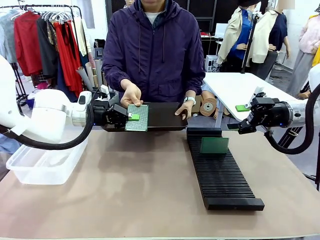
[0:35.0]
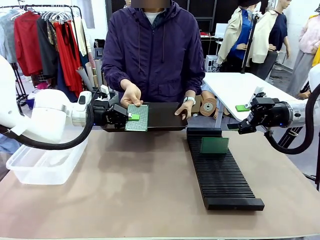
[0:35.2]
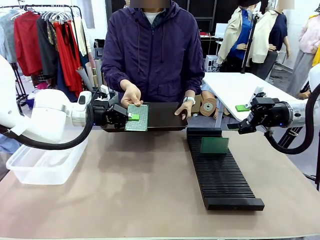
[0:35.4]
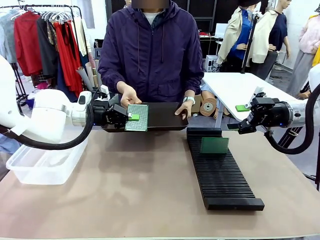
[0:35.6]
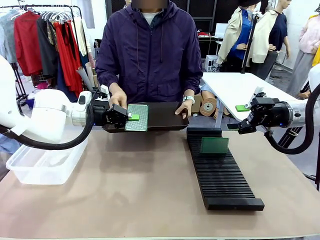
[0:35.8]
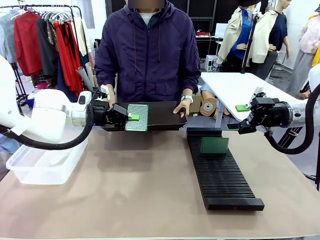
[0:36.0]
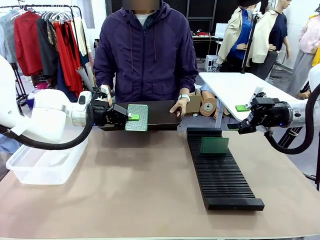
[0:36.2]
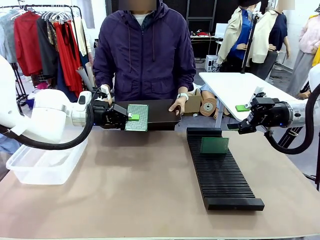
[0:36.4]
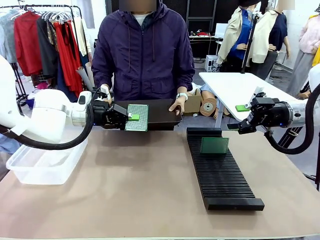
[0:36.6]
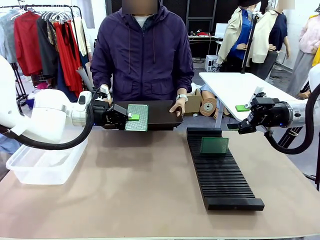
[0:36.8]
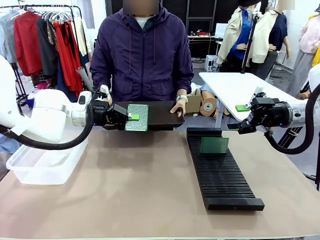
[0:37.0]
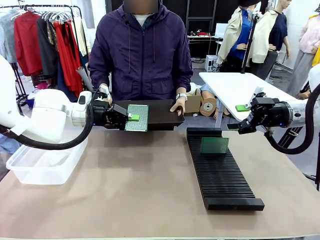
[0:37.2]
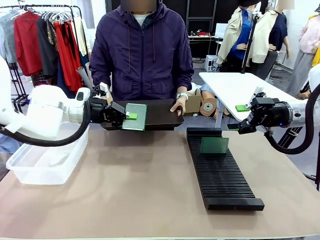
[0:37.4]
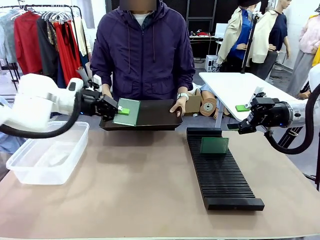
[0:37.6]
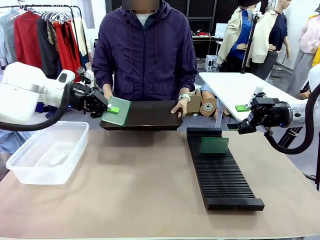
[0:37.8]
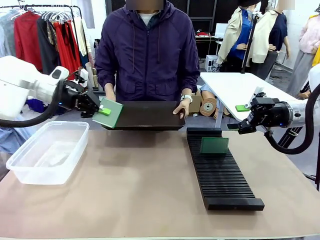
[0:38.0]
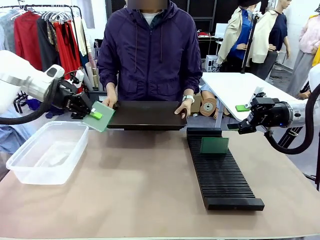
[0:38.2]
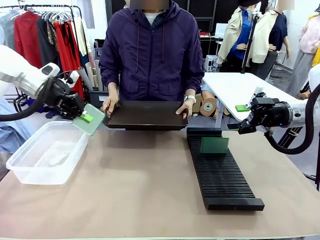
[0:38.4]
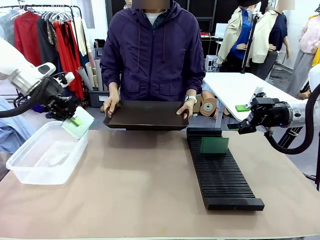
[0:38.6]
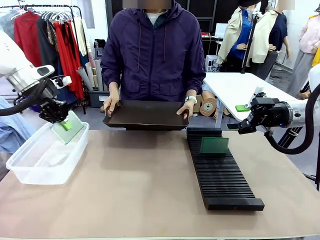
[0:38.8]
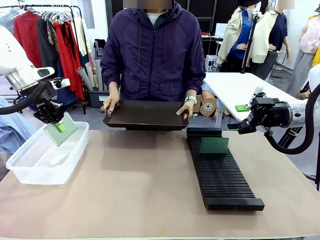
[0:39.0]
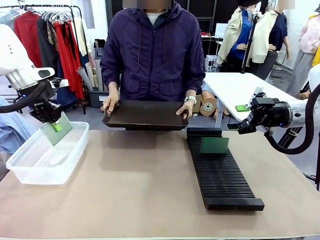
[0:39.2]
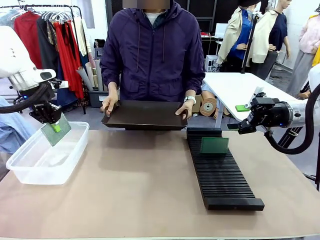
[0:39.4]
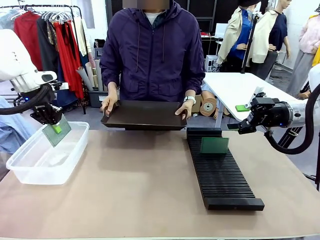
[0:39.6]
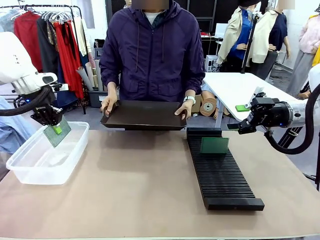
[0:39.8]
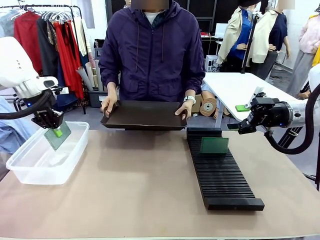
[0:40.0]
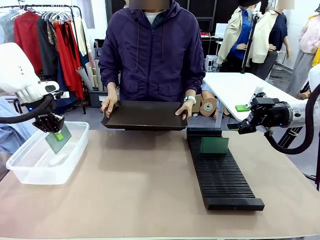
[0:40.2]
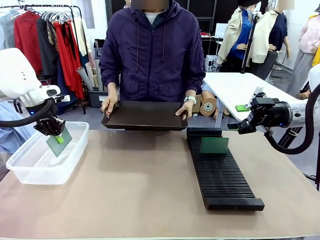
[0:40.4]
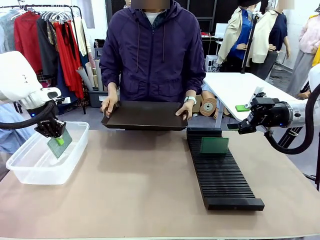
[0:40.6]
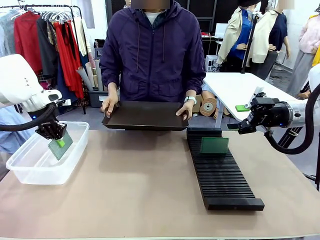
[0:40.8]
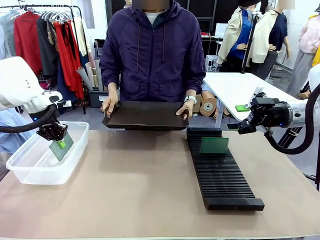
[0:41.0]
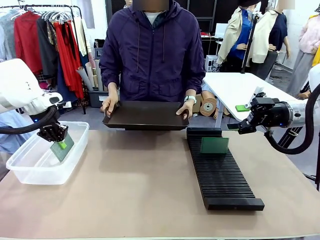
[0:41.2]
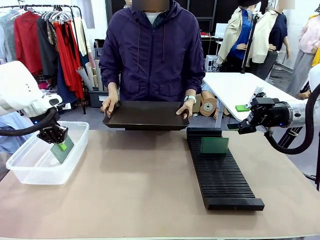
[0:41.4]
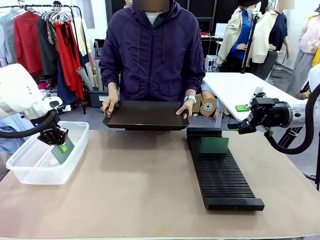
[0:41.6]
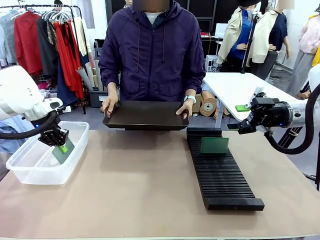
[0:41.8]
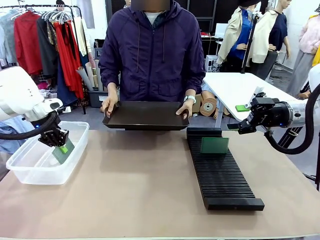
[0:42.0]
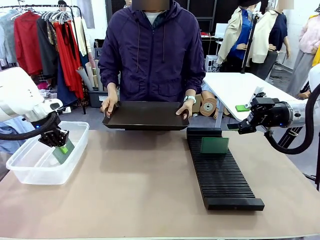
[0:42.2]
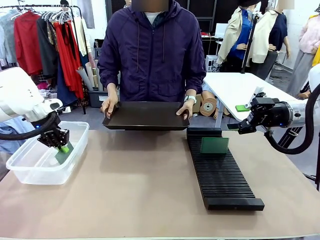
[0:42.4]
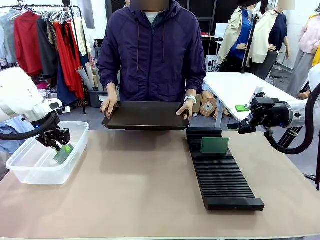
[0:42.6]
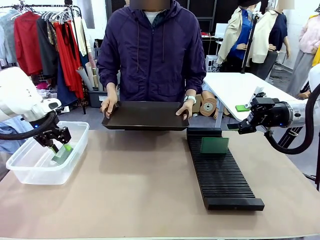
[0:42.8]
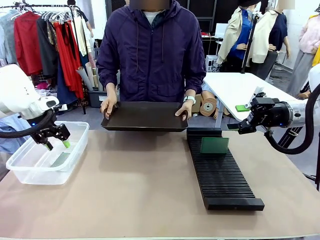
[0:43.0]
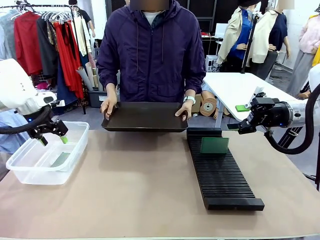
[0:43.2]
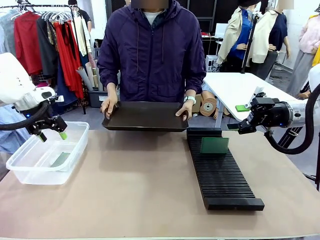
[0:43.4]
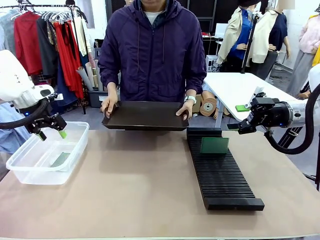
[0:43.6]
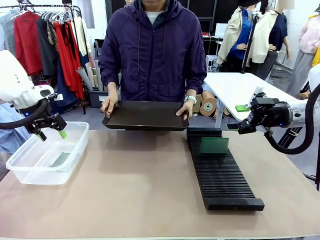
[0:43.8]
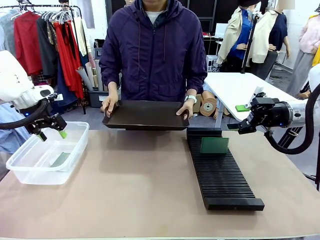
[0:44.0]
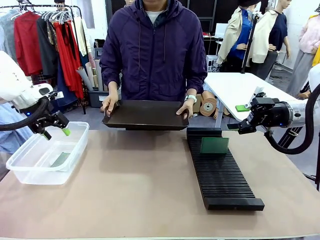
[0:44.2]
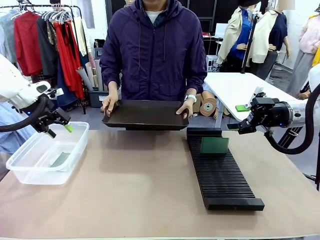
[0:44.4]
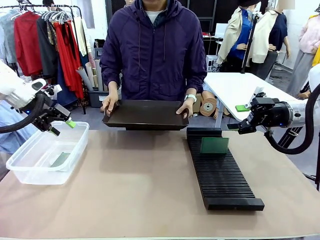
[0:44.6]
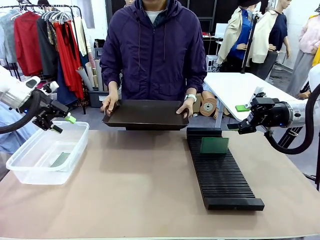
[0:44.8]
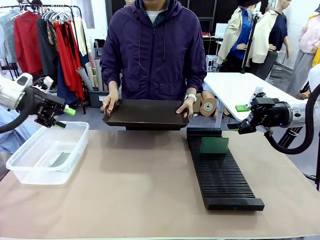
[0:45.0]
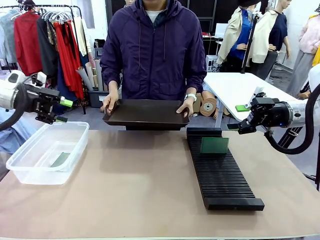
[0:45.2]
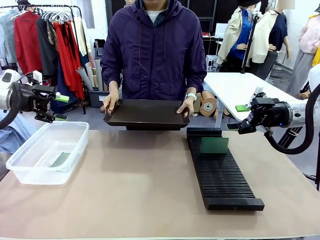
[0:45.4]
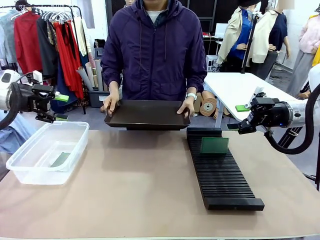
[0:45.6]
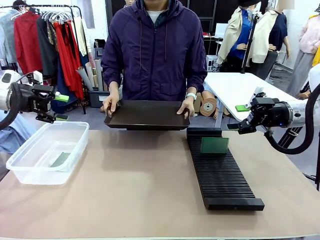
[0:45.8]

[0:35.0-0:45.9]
Task: Sort PCBs into racks and boxes based on the side picked up.
Robot: If the short side of the Blank PCB is picked up, insert it into the PCB Rack ; if the long side is picked up, place it in the Organizing box.
Person: Release the PCB being held.

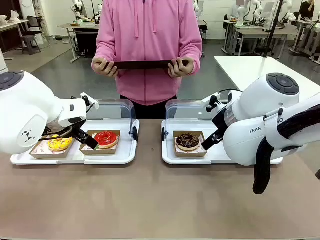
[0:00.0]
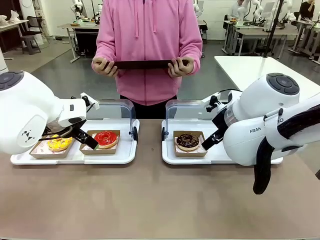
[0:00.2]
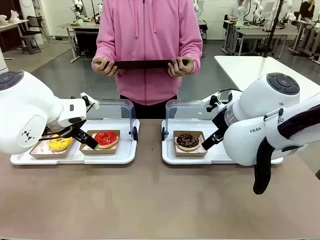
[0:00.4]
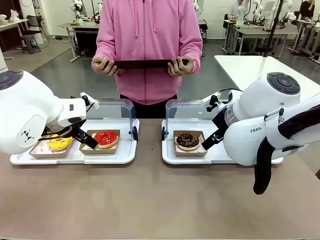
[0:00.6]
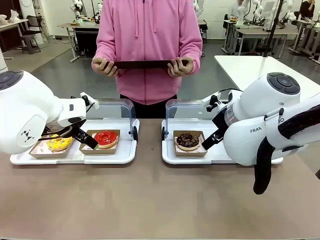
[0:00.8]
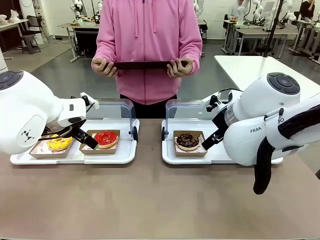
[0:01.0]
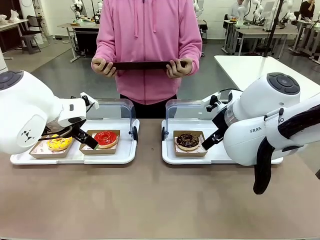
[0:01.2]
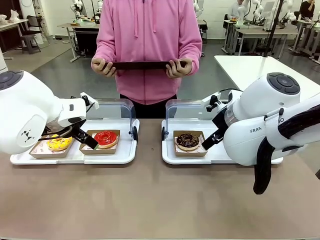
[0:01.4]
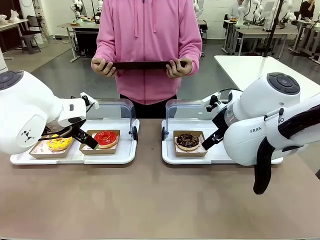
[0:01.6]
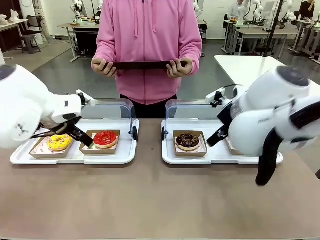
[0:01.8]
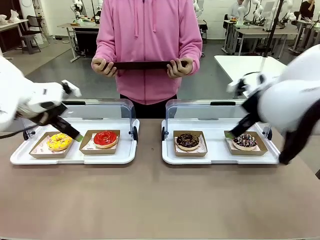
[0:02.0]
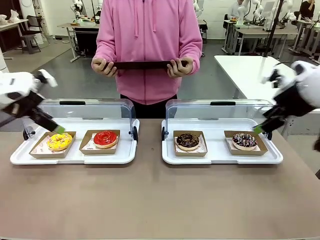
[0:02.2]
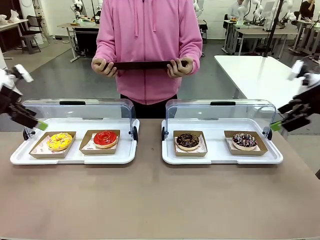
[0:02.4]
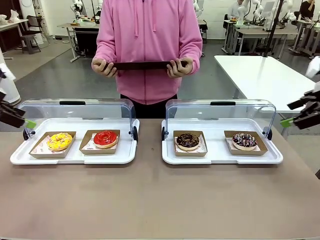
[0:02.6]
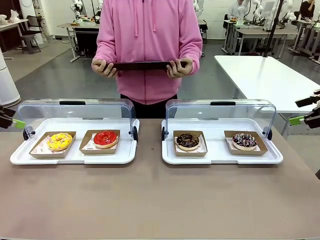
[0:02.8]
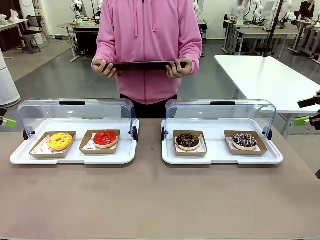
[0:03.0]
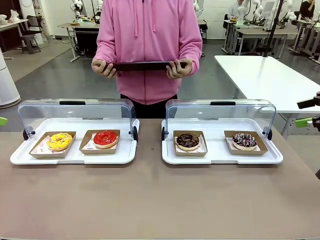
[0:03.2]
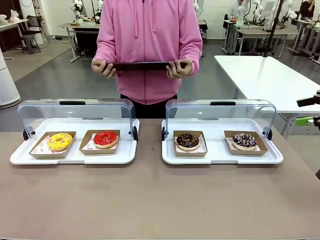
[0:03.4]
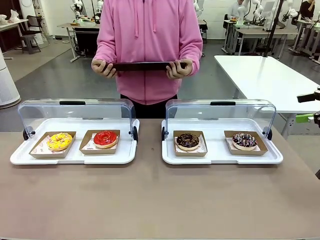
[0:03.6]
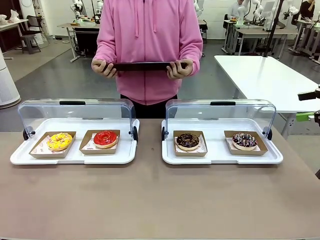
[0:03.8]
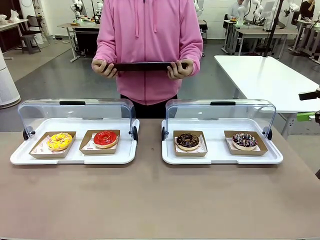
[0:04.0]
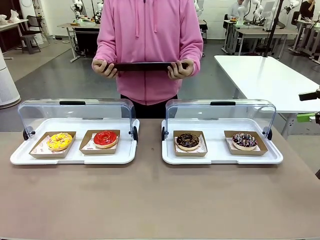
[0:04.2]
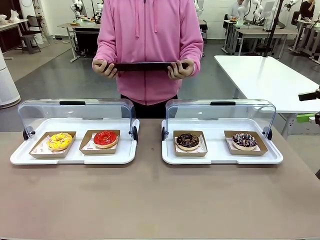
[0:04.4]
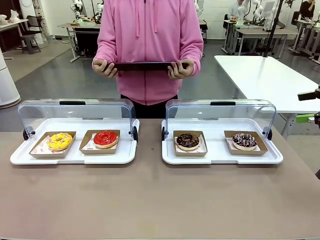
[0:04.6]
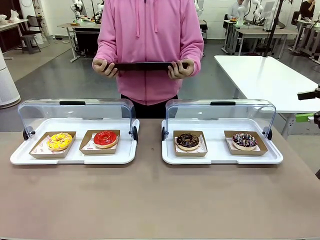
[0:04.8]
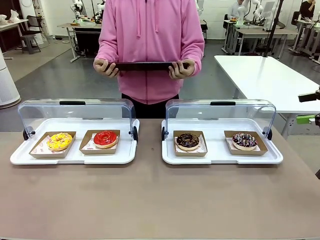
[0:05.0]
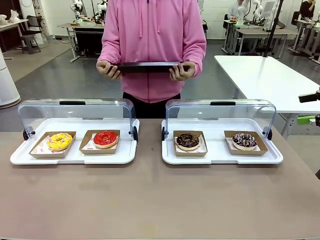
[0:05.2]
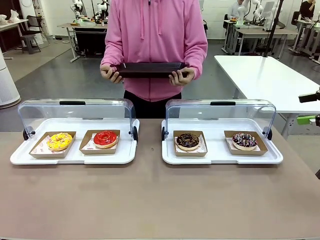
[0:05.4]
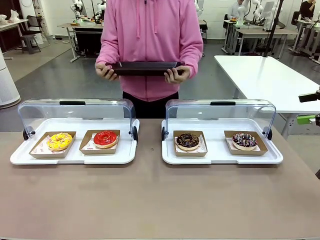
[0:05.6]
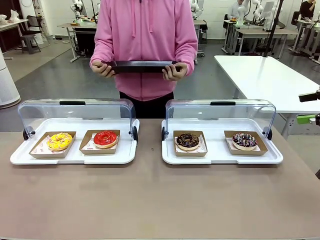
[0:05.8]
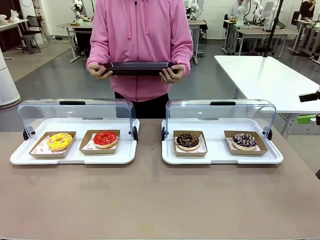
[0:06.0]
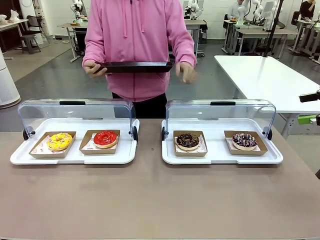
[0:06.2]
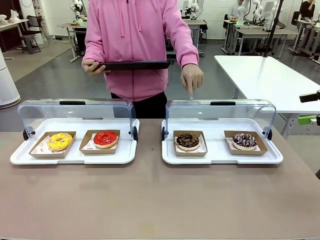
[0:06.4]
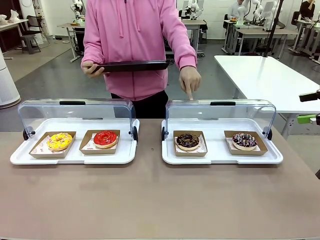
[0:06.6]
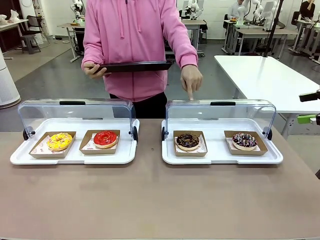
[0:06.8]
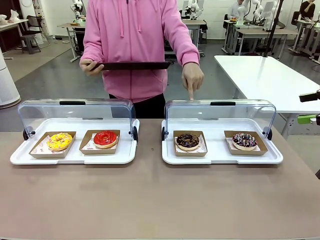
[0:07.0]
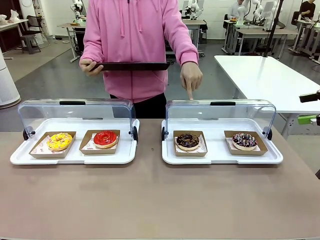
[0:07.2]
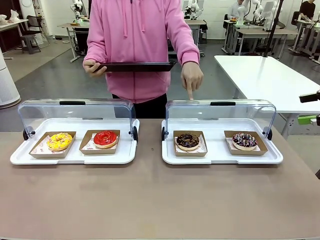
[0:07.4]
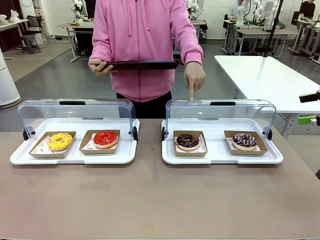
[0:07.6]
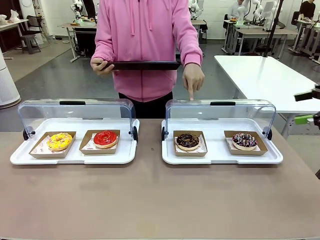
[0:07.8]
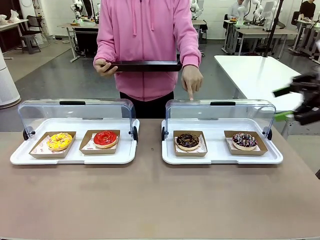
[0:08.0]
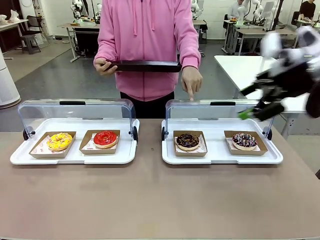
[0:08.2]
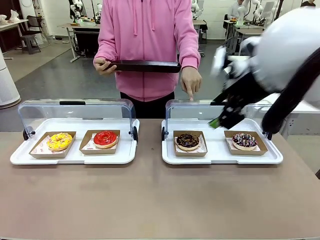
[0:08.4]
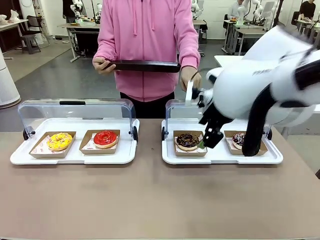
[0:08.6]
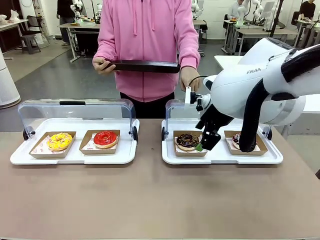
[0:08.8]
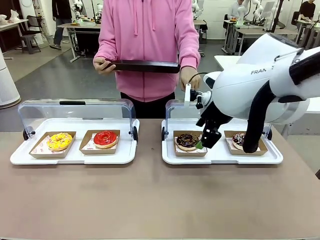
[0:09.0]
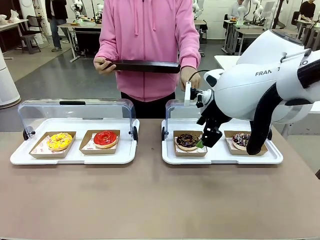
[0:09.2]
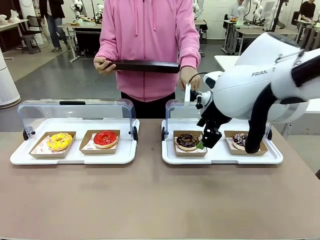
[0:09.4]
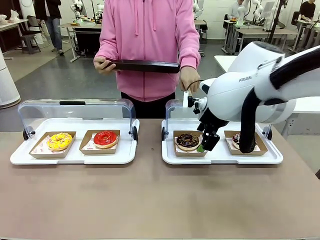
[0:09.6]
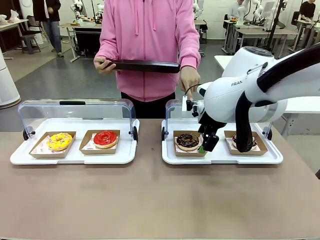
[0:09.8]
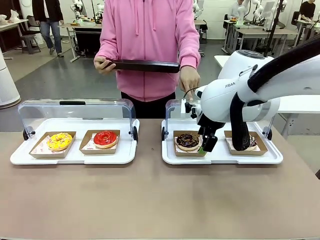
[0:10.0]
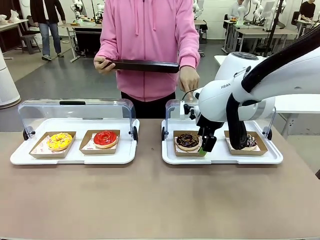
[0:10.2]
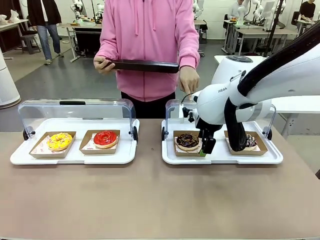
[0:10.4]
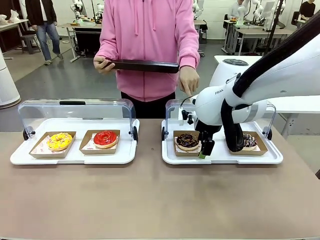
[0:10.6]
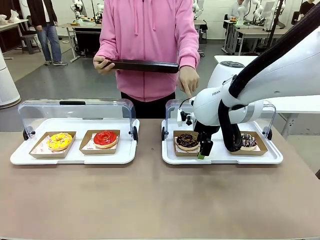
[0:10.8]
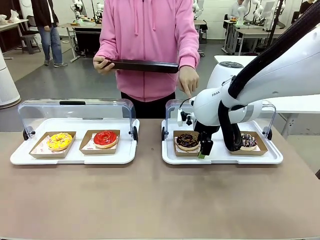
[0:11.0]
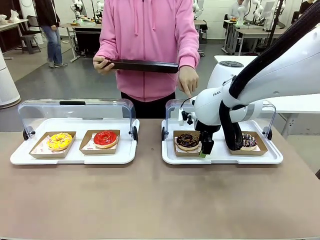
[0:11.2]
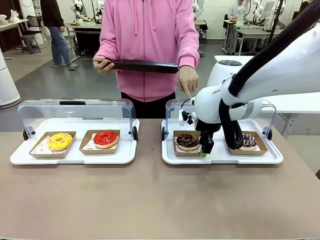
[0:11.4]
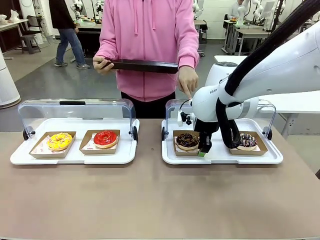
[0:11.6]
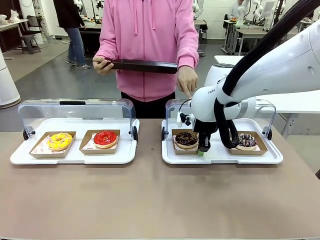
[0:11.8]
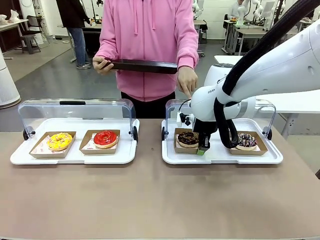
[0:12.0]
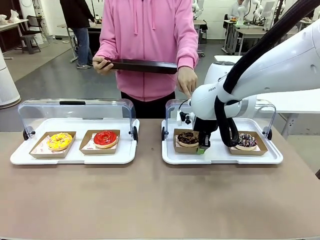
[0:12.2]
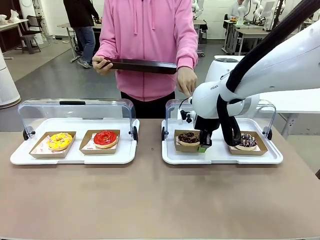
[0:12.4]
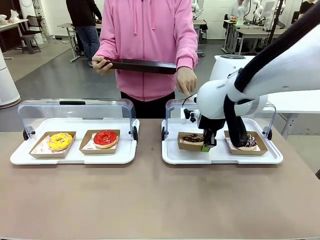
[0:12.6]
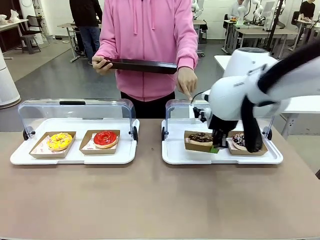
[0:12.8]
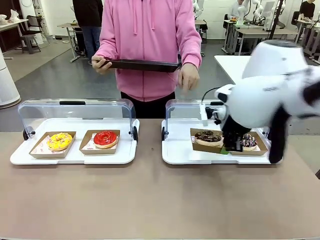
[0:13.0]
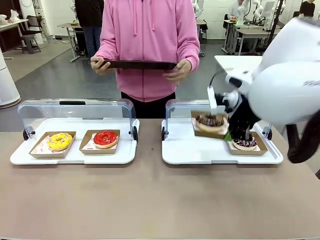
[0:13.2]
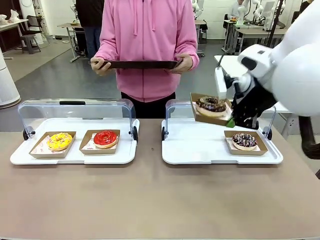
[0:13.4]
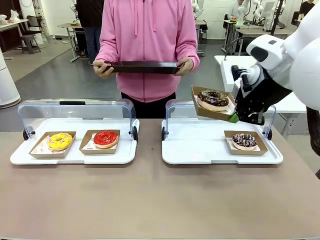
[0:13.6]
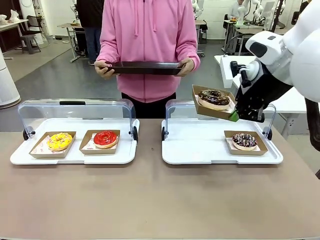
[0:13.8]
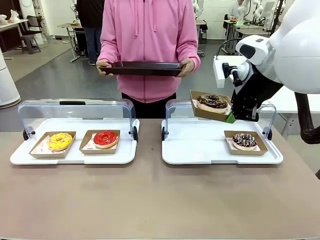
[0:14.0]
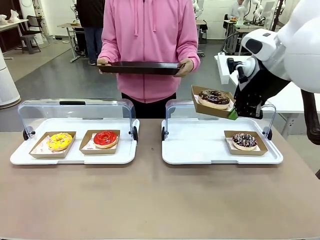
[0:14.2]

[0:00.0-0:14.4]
Task: Provide the desired donut to the person.
Robot: Pick up and lift the Paper togo box containing the Donut pointed at by the person.
Person: Point to one donut. Lift the tray onto the Roll-Top Bakery Case.
